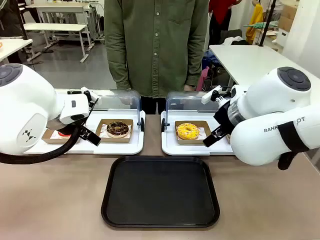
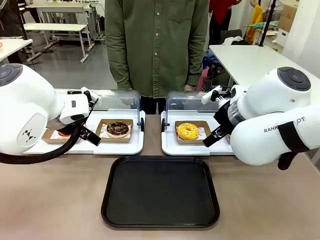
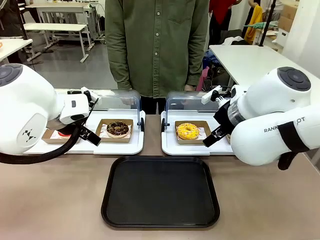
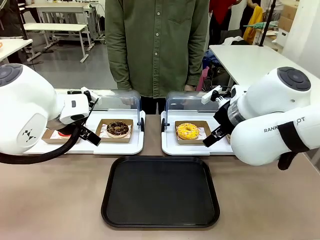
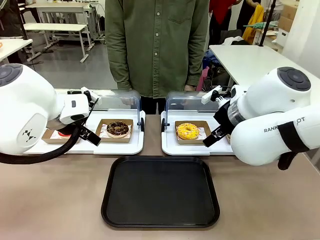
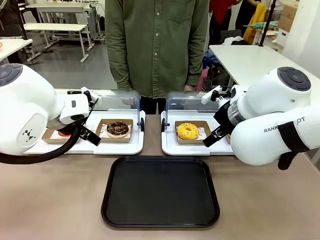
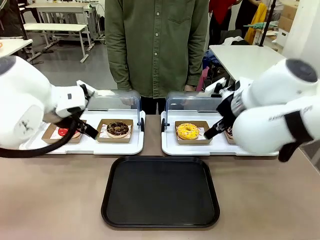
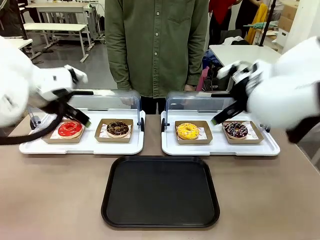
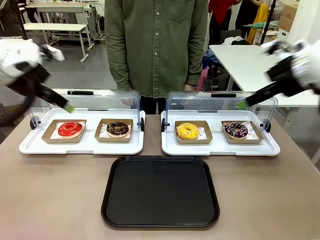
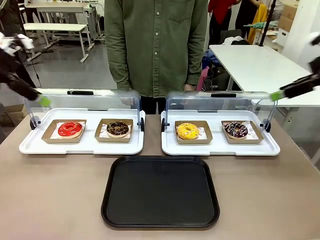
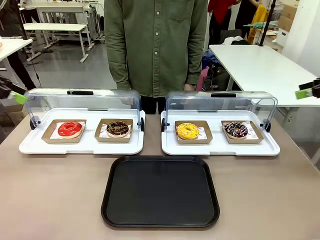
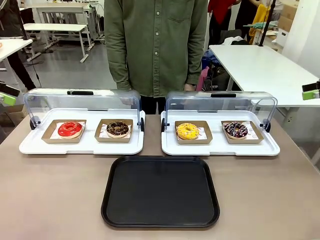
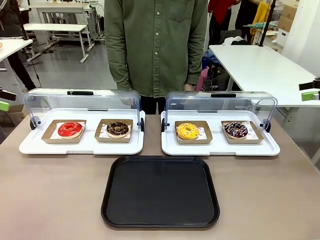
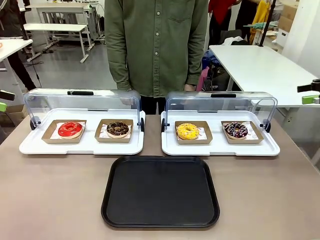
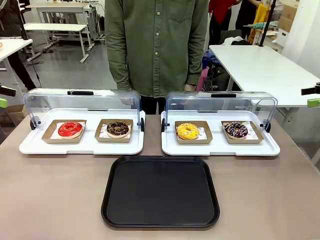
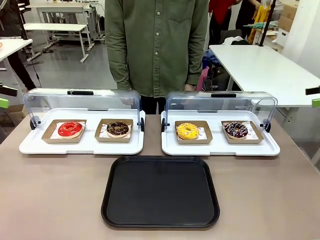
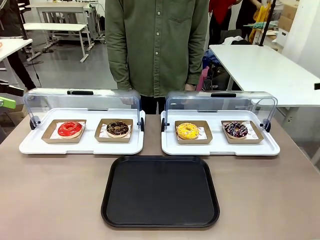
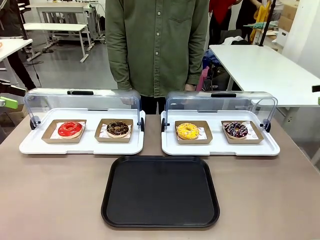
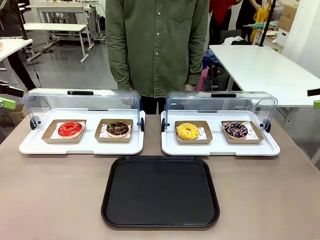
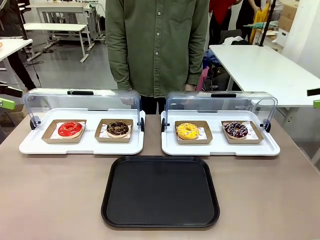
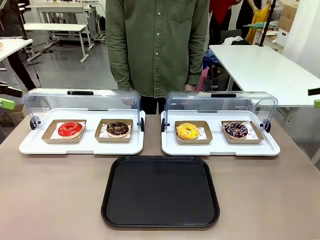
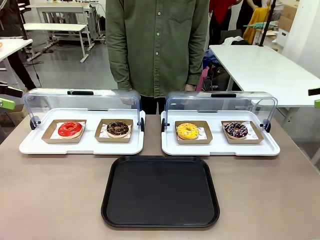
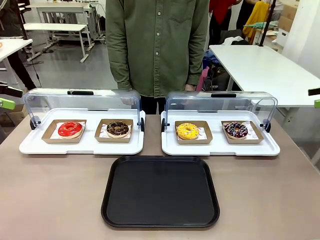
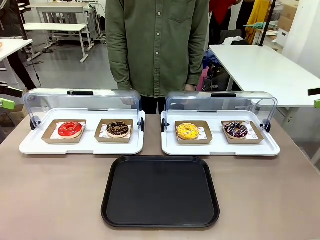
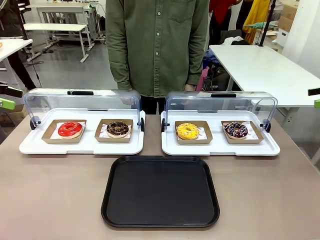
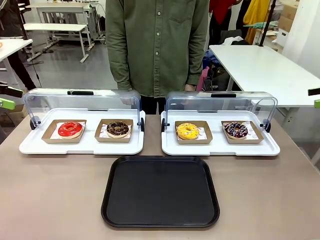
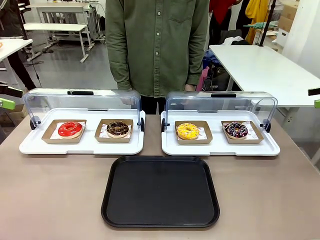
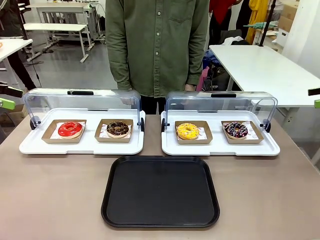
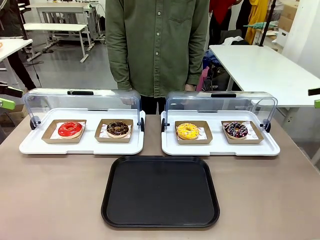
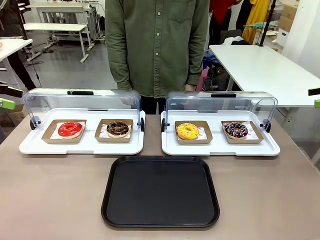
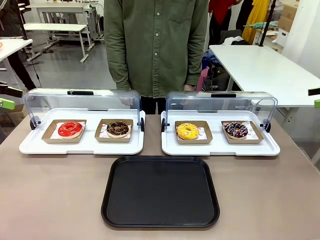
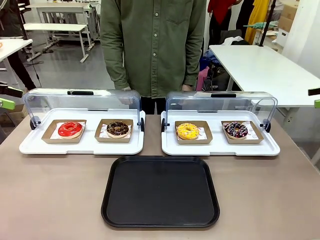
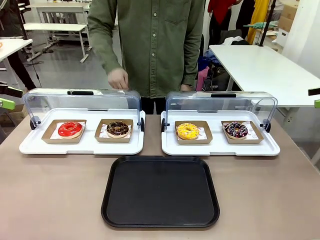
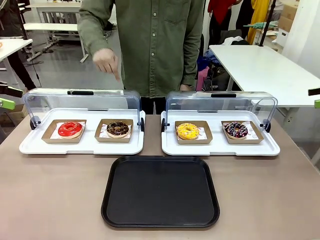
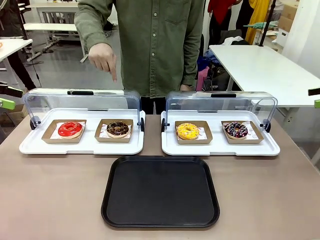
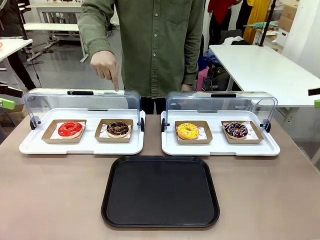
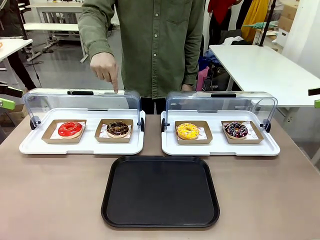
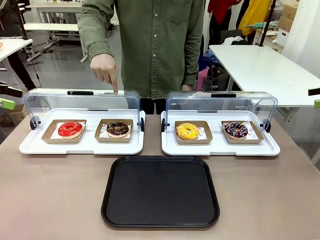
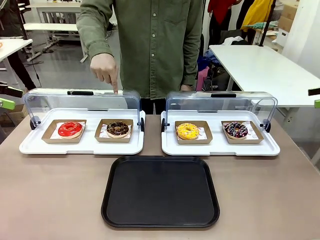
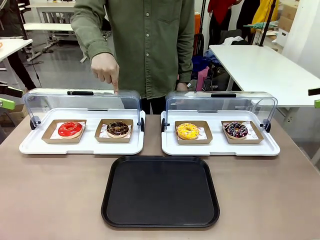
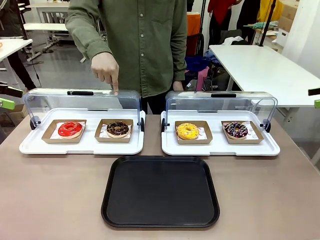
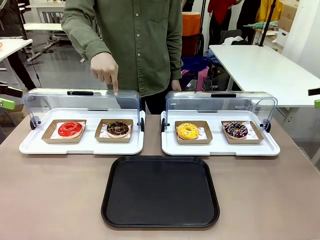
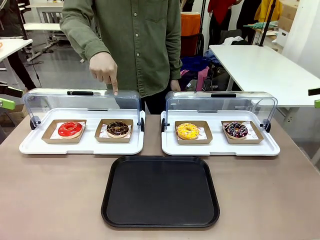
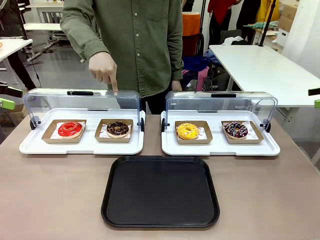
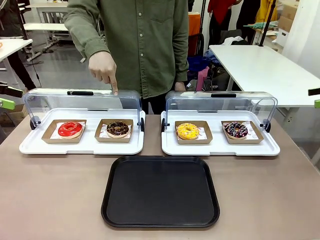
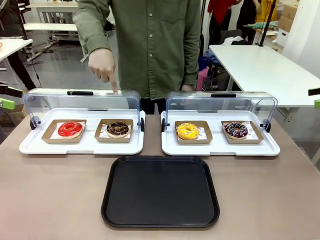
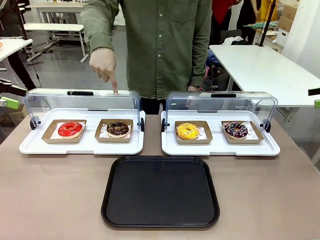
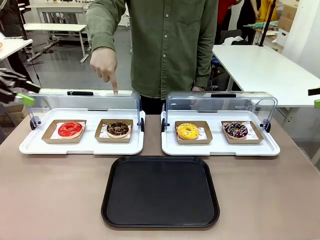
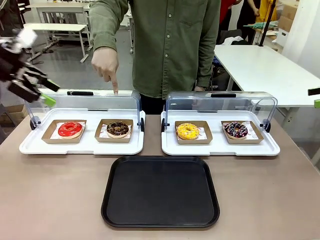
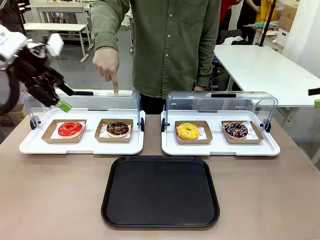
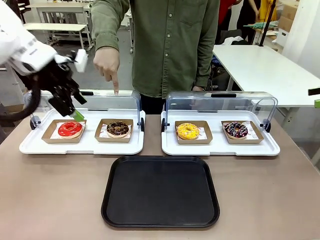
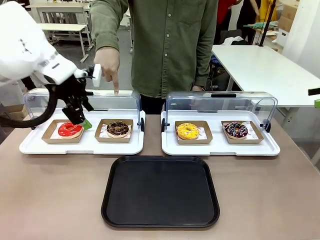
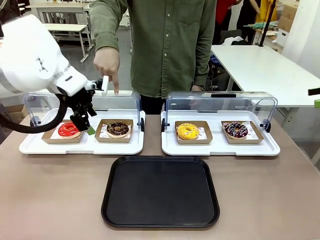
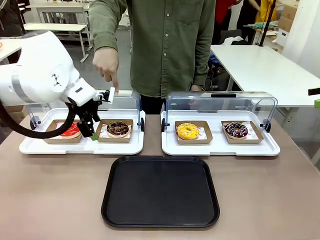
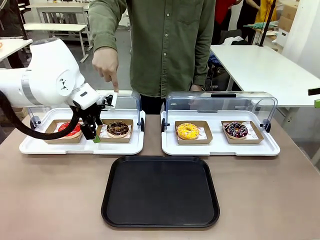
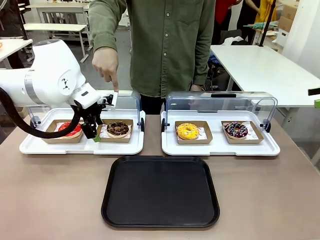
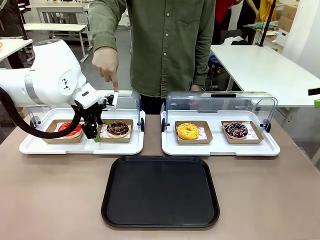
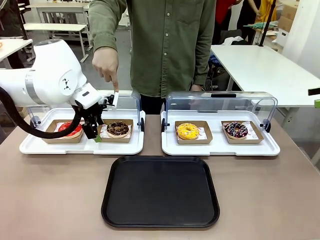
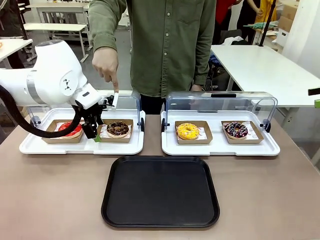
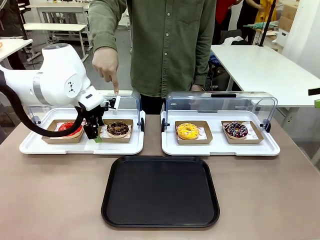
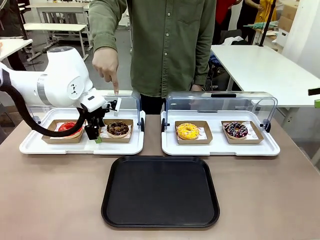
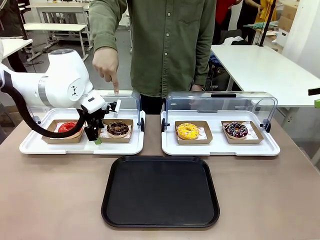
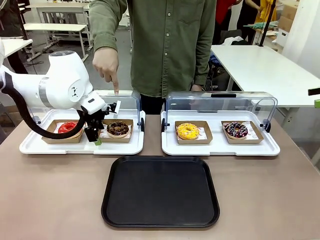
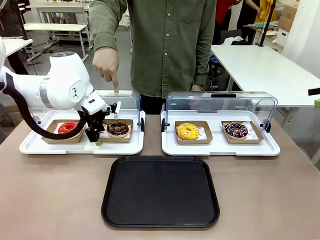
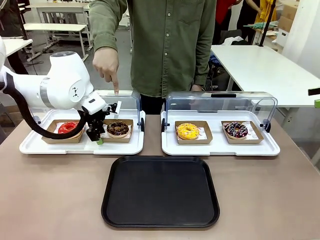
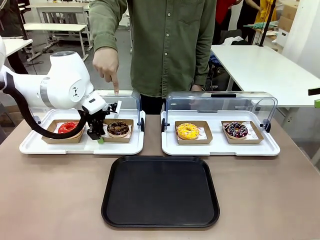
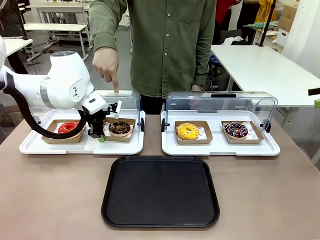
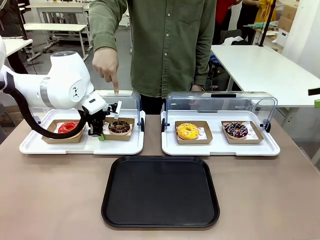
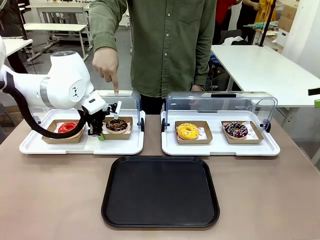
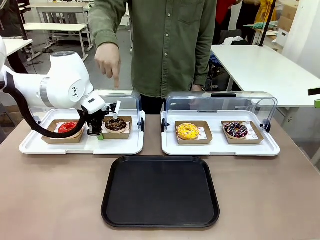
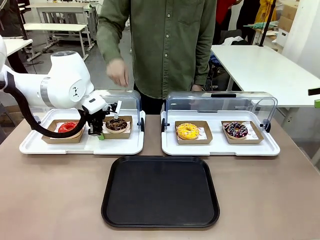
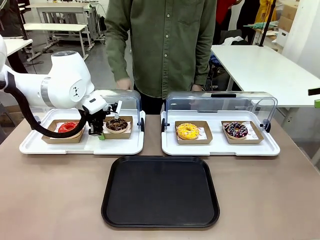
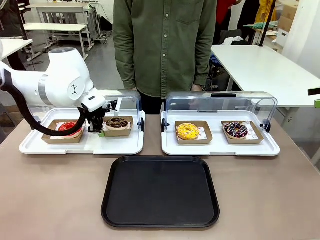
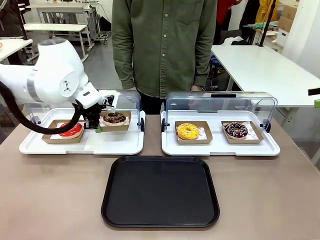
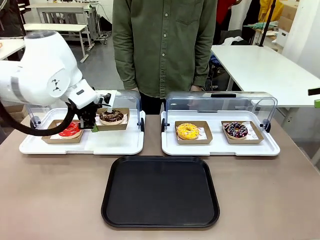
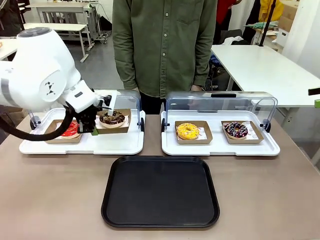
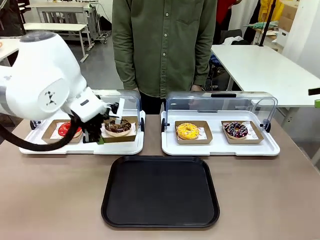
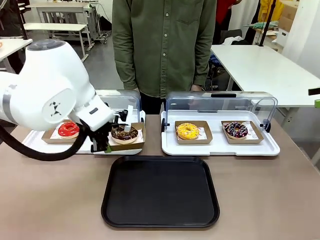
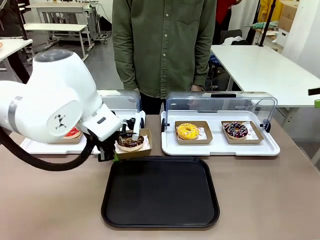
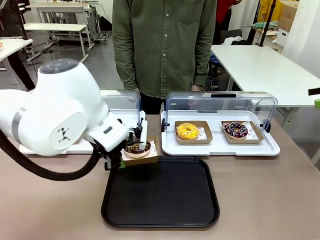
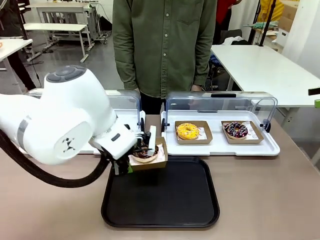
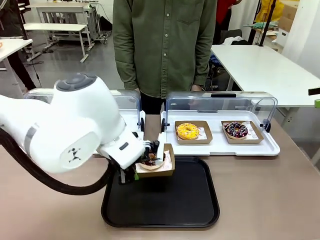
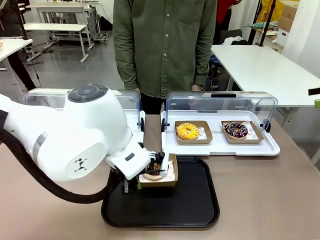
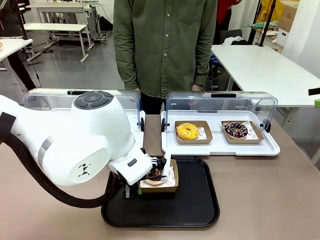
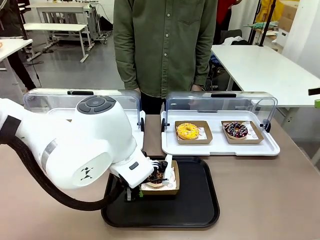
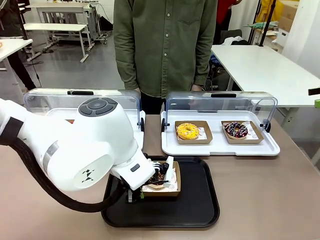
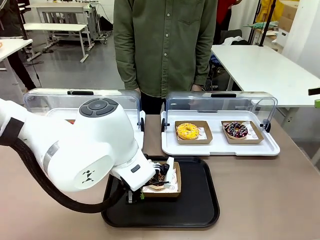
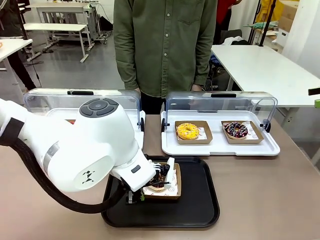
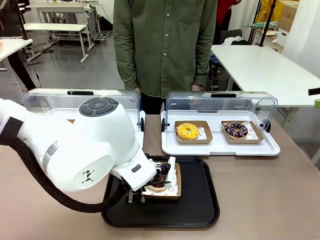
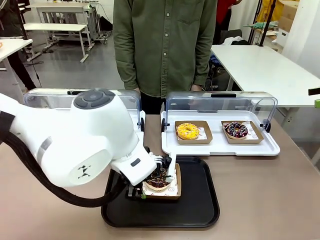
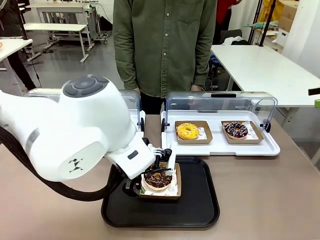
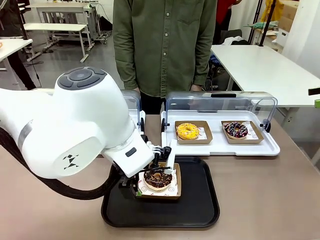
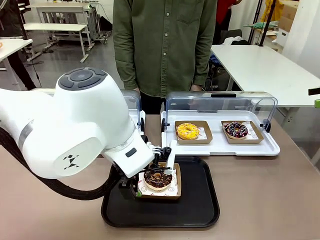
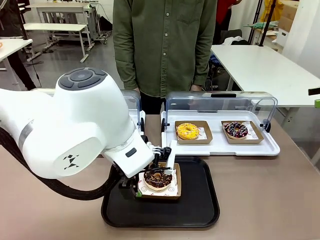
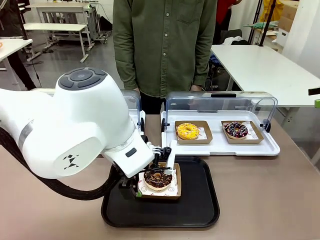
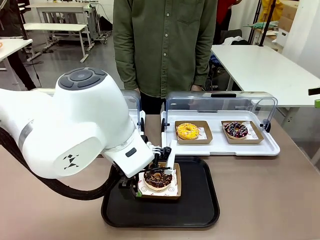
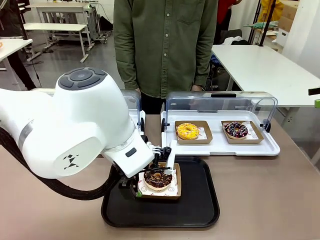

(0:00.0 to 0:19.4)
Task: Move the second donut from the left to the tray.
Robot: Pick up the Paper togo box containing the Donut indicated by the person and place it on the Handle tray.
Person: Points to the second donut from the left from the robot’s perspective.
